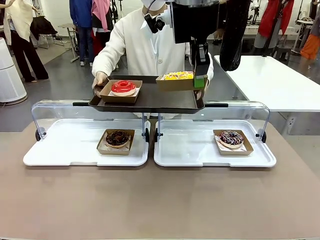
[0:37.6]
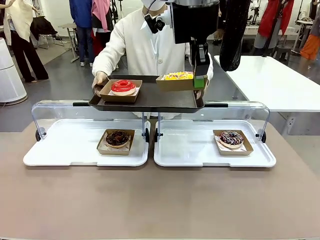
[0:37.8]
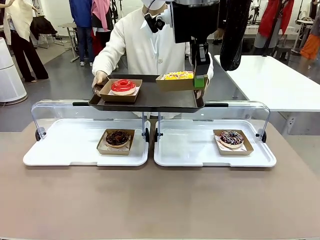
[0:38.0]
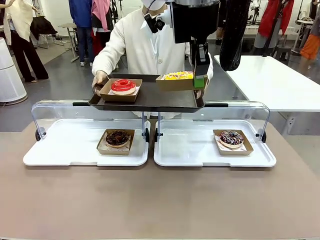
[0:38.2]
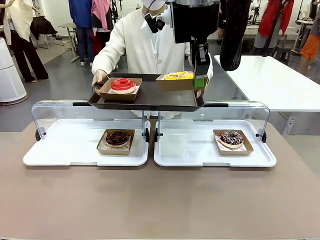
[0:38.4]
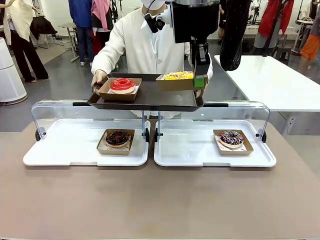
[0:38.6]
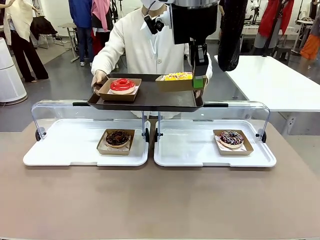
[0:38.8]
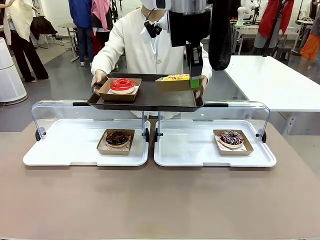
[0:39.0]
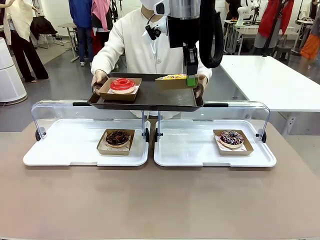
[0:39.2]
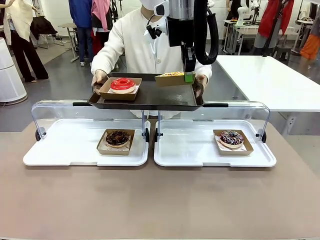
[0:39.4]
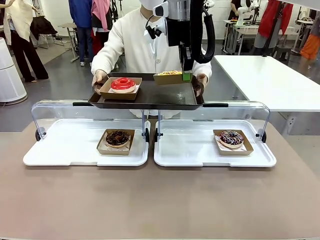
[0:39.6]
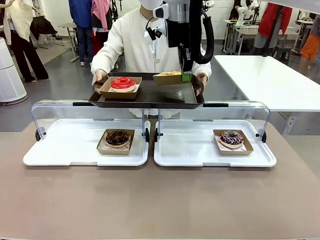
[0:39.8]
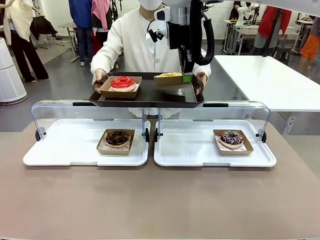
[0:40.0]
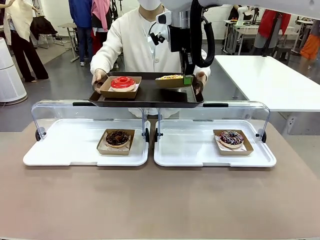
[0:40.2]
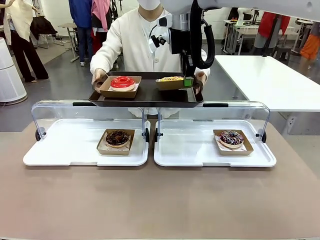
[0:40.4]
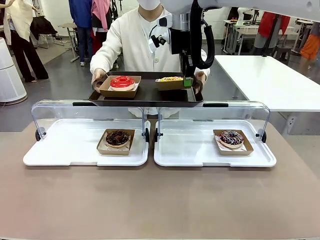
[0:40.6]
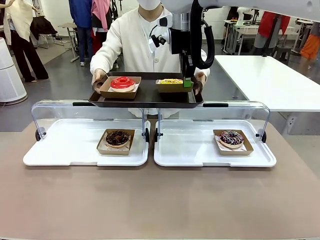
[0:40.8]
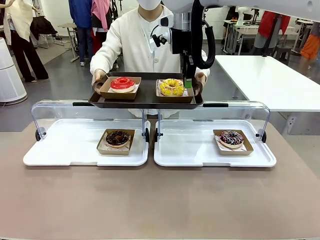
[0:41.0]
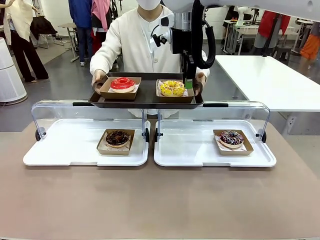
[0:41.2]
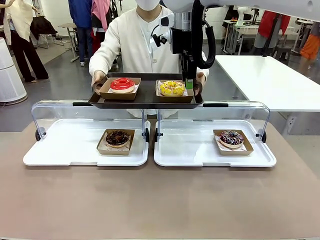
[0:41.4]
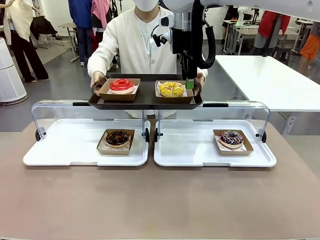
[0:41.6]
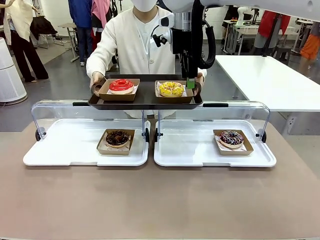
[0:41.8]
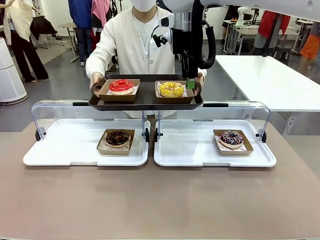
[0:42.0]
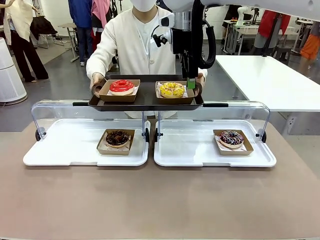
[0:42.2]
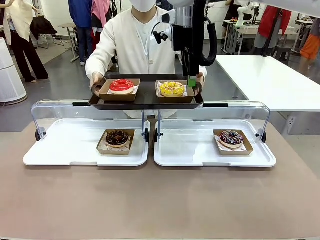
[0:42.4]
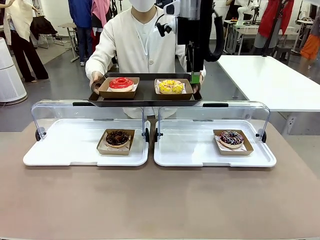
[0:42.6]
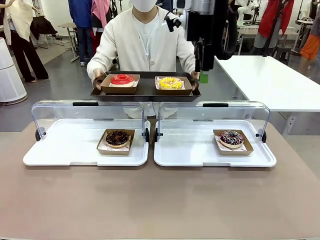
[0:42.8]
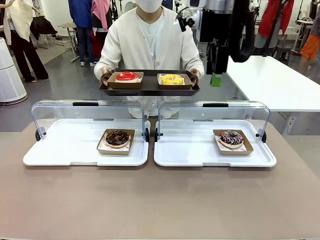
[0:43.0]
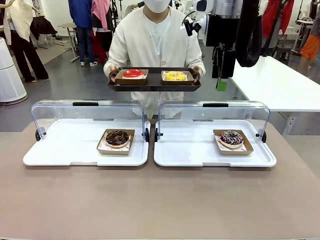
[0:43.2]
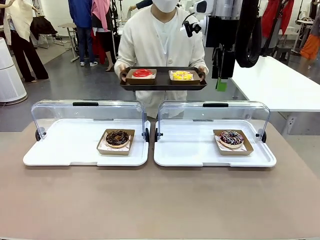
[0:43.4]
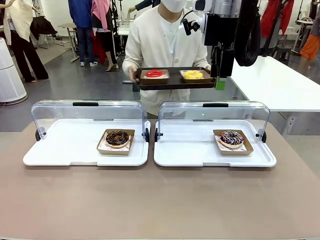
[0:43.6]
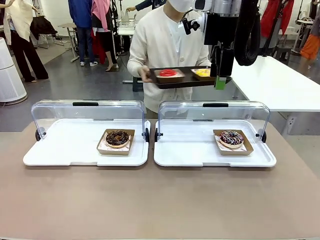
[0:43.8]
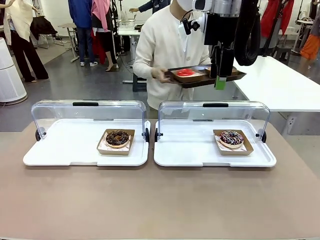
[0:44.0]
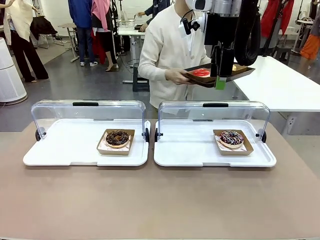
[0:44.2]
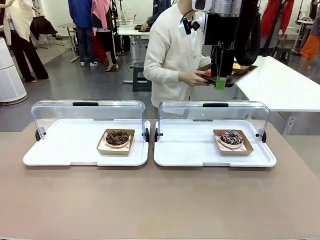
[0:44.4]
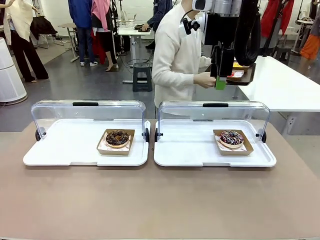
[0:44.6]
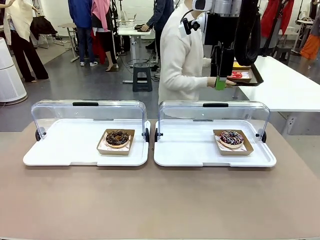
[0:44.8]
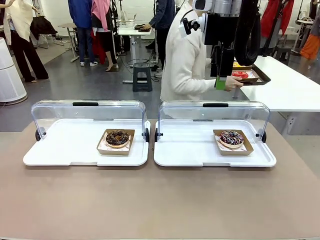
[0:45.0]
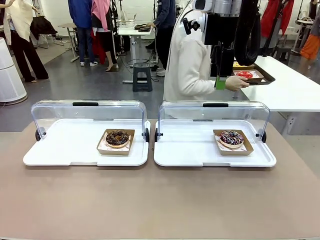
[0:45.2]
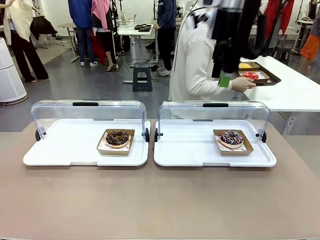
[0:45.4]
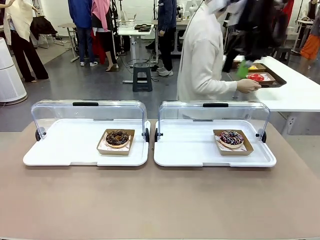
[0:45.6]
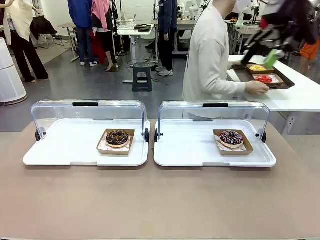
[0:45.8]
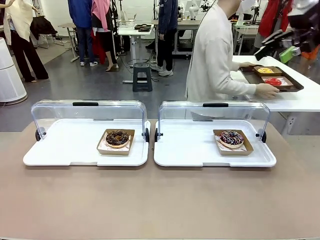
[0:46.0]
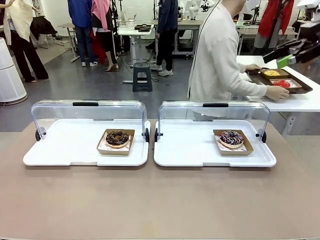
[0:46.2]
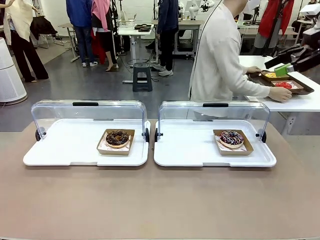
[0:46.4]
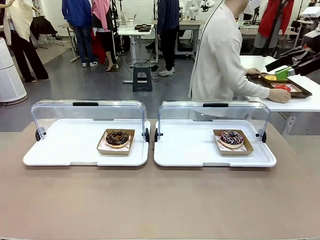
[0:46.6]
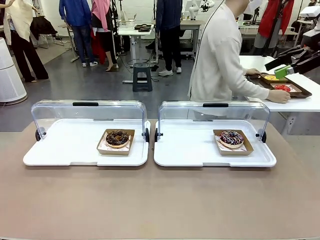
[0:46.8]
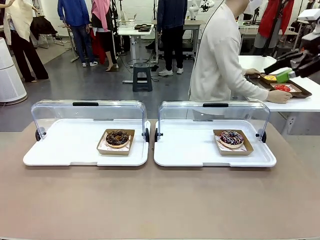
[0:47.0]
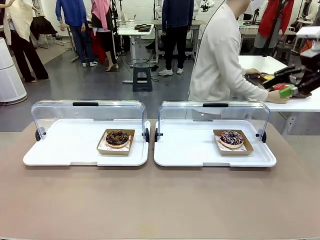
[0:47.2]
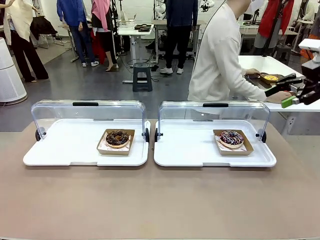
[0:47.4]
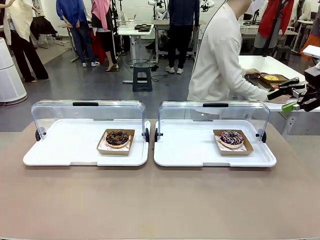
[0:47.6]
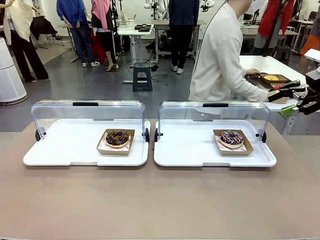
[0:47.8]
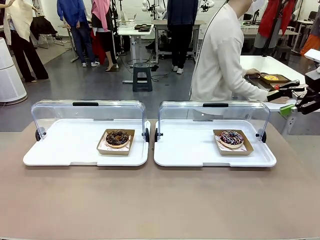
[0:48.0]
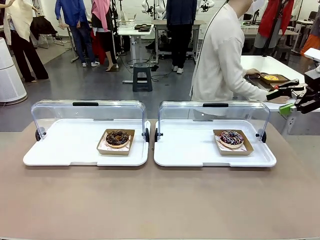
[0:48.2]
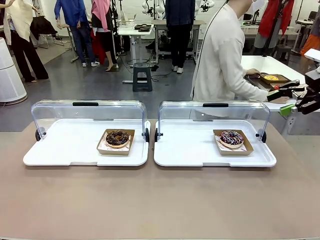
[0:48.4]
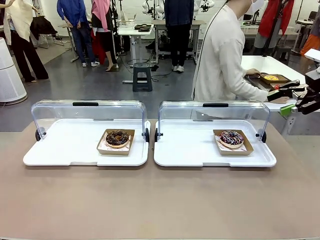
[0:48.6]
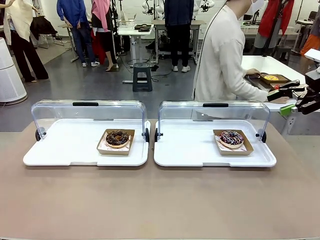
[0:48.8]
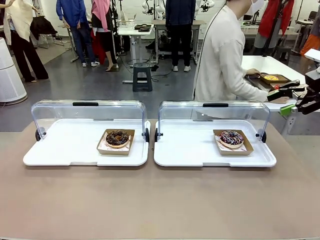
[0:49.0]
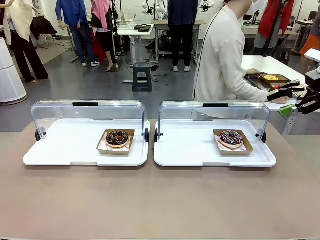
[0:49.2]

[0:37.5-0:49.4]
Task: Provide the desired donut to the person.
Robot: Place the picked Paper togo box onto the Handle tray extended by the person.
Person: Place the tray in the middle of the human table.

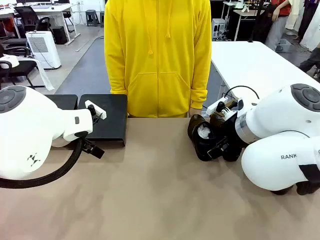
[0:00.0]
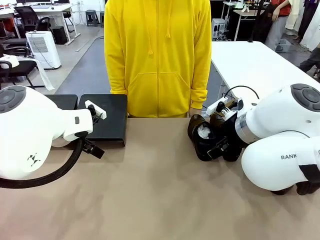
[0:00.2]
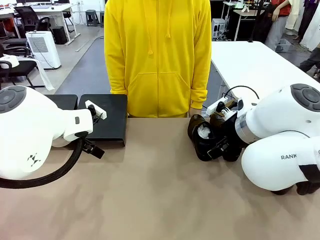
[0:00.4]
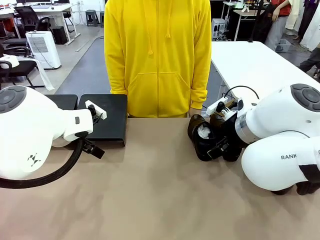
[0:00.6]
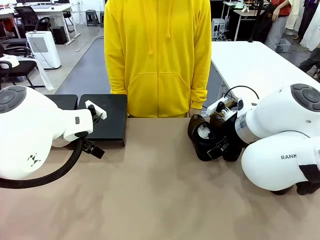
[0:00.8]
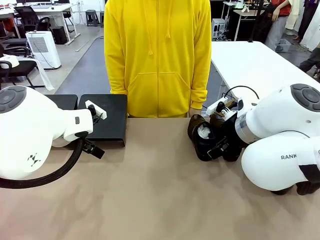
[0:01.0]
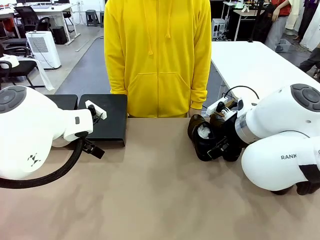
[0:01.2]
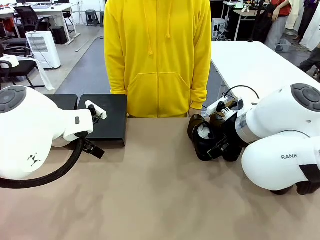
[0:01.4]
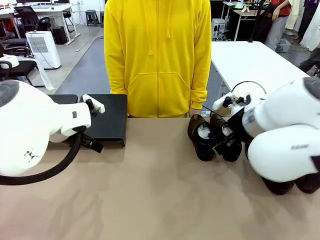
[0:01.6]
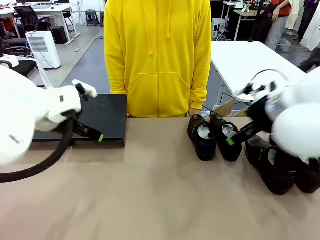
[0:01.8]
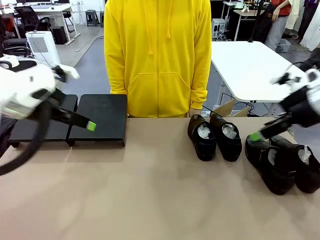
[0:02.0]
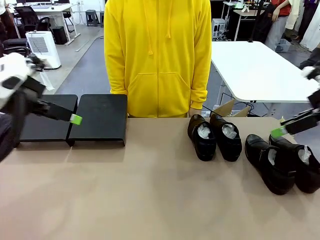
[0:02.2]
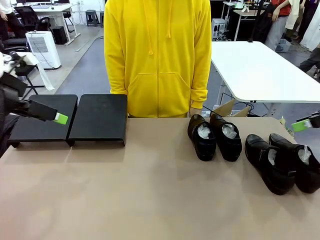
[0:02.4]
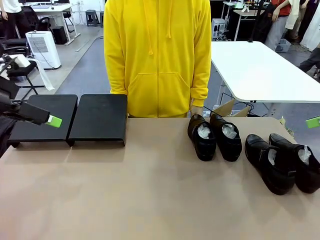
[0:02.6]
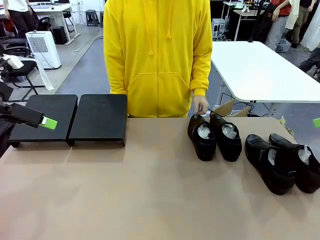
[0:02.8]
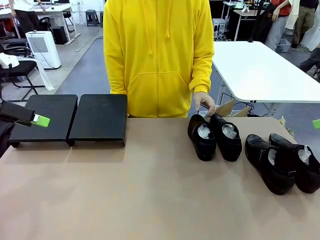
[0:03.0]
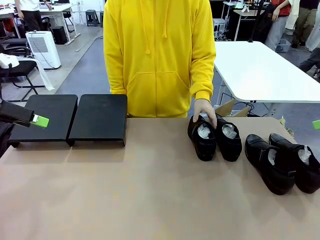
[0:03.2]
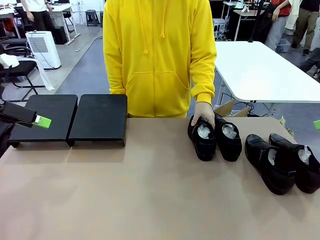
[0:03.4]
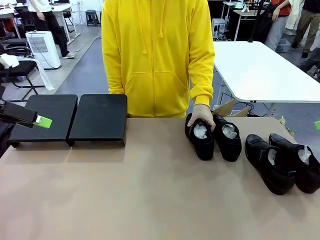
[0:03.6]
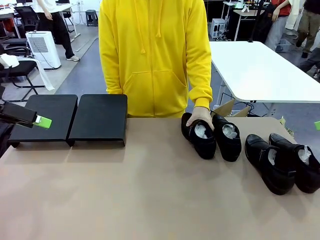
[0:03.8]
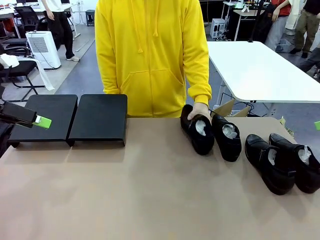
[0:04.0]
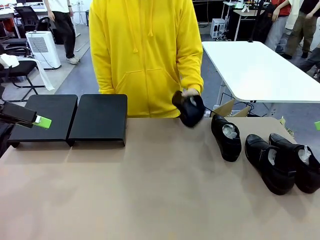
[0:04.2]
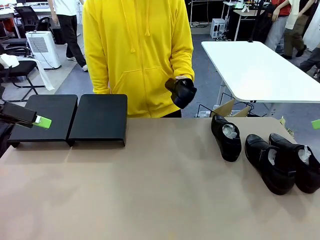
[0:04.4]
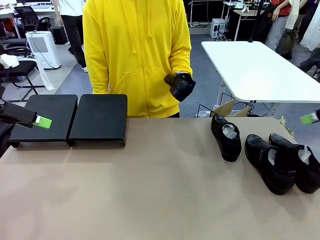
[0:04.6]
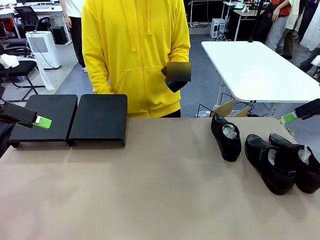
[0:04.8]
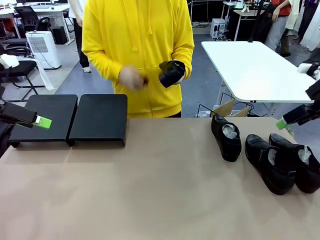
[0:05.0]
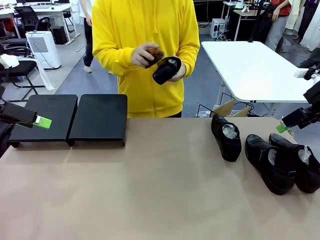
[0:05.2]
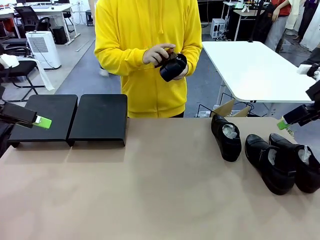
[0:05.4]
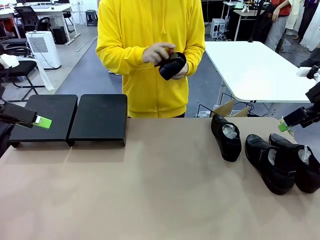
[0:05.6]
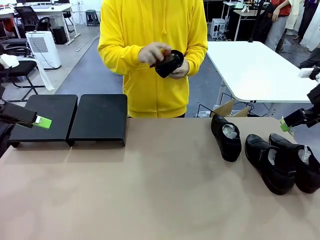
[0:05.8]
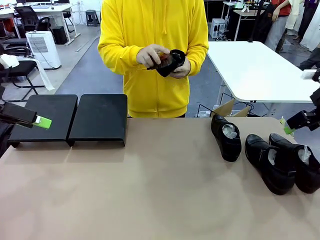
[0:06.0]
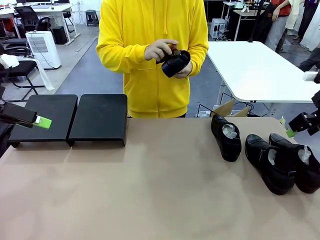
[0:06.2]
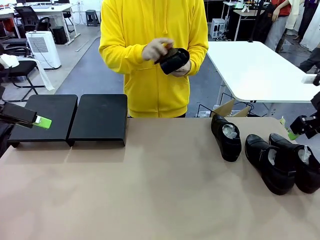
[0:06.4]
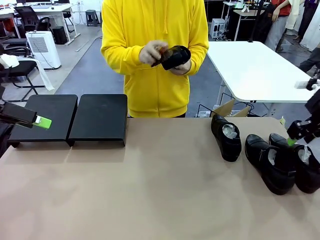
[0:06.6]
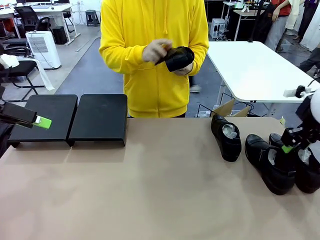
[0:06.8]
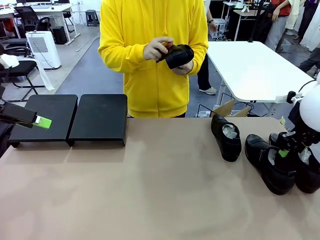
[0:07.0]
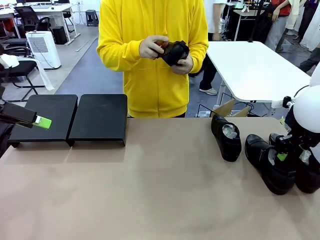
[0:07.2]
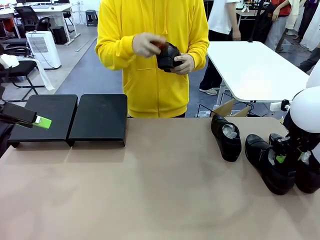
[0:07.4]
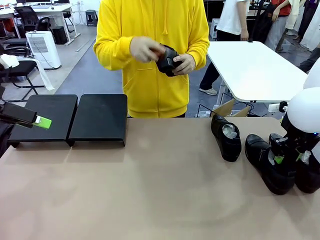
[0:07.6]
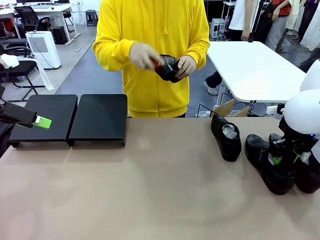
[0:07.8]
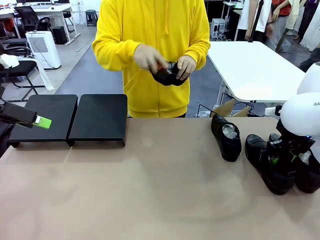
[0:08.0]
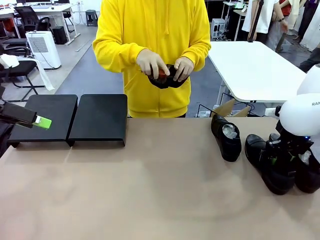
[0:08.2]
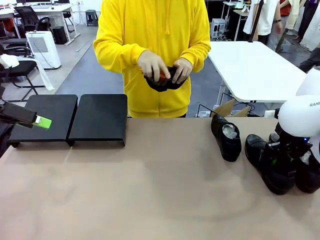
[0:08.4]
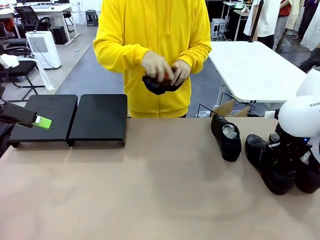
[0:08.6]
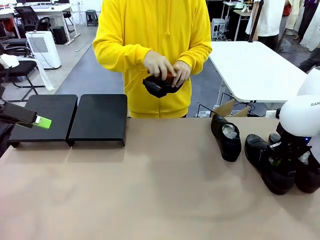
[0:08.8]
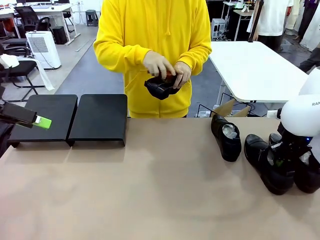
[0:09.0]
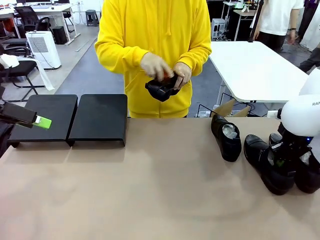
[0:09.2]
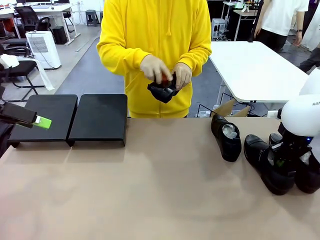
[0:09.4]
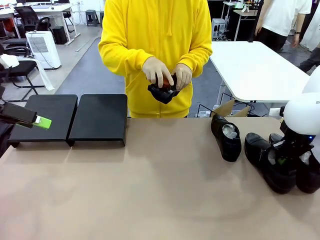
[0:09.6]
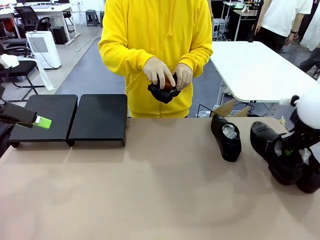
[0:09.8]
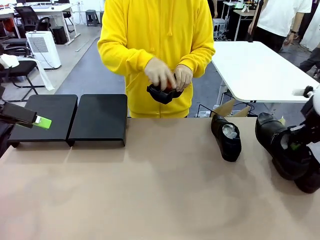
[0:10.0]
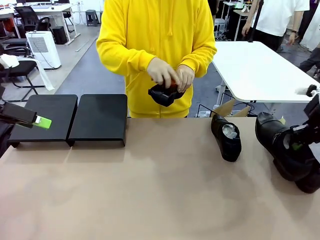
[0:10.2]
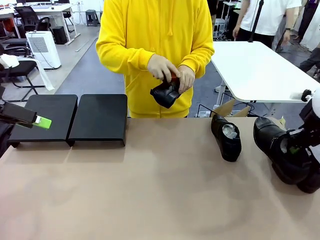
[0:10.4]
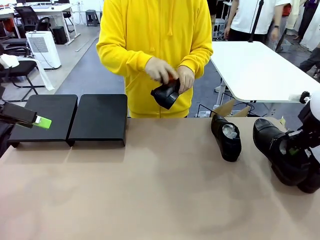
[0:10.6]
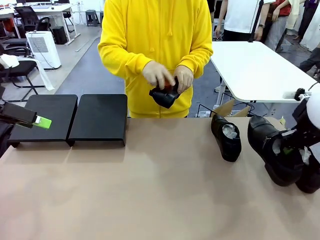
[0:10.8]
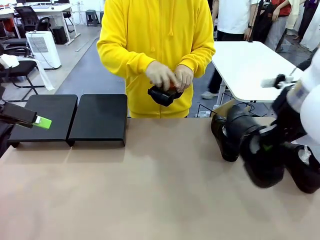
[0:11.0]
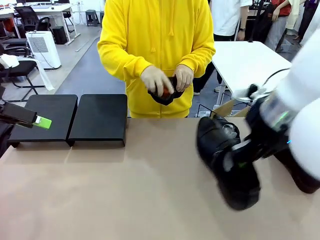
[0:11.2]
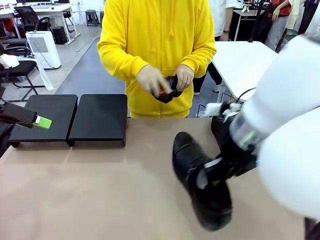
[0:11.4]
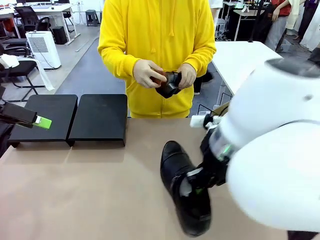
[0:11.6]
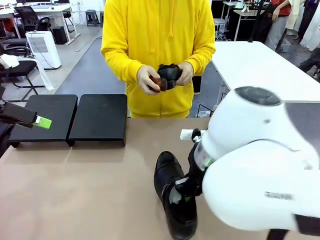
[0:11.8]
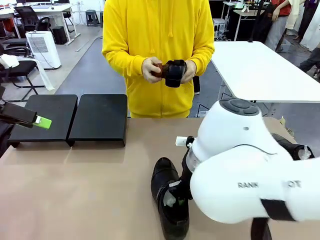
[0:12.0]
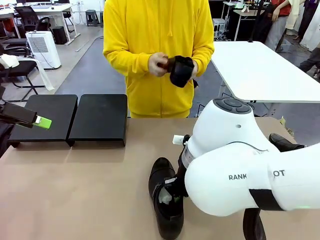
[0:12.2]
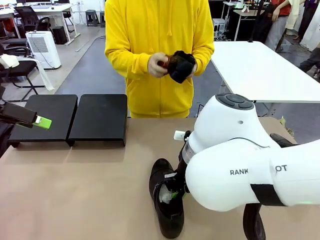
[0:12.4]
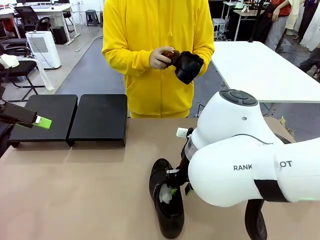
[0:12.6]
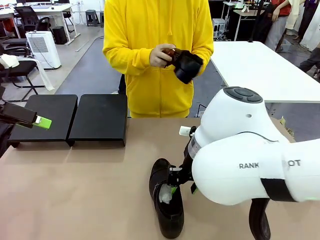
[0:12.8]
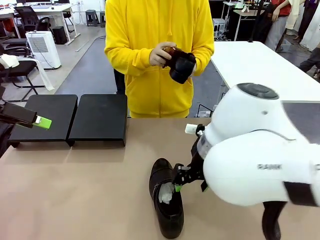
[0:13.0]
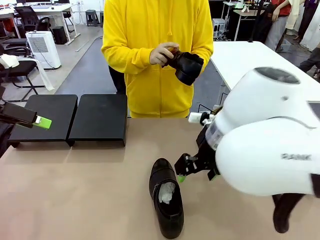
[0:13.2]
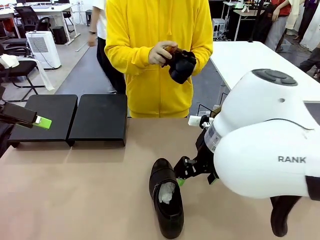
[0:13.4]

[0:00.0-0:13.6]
Task: Organize the shoes by placing them on the stand.
Robot: Pick up one Shoe and place it in the middle of the table.
Person: Pick one Shoe on Robot's table. Clean the Shoe with the Shoe Brush.
